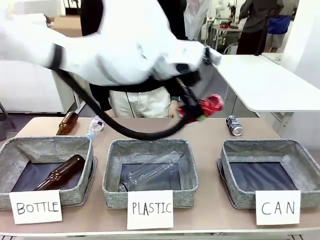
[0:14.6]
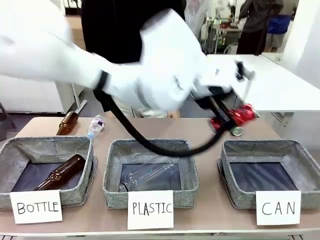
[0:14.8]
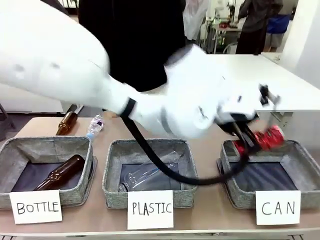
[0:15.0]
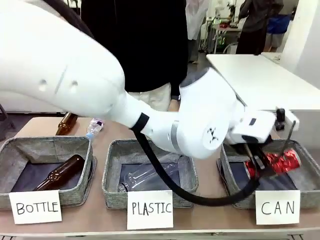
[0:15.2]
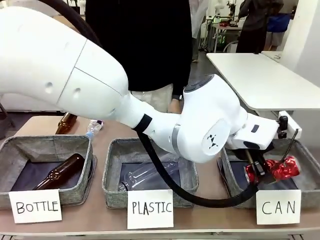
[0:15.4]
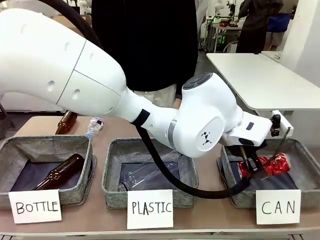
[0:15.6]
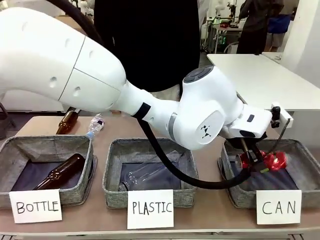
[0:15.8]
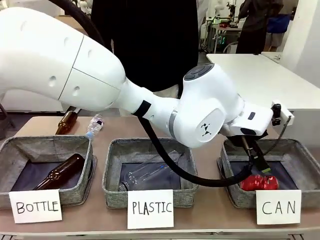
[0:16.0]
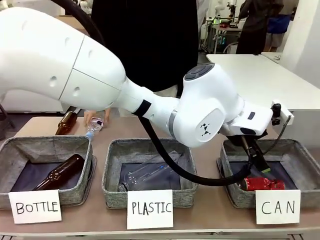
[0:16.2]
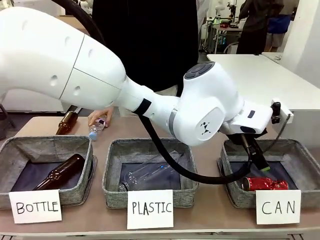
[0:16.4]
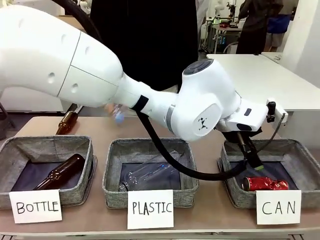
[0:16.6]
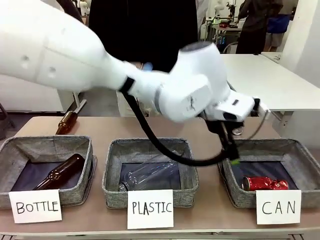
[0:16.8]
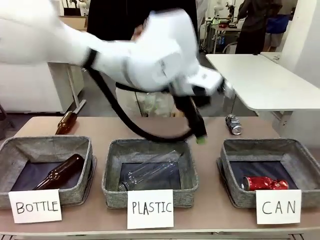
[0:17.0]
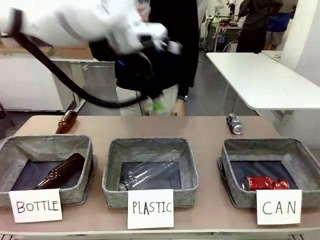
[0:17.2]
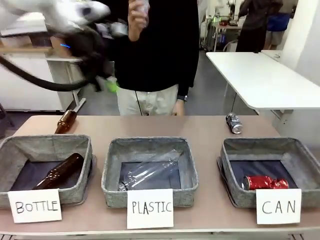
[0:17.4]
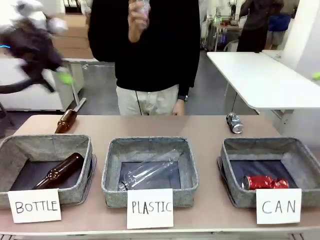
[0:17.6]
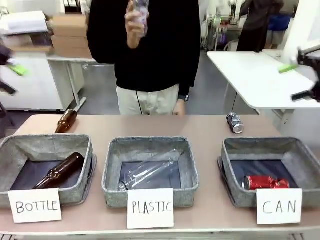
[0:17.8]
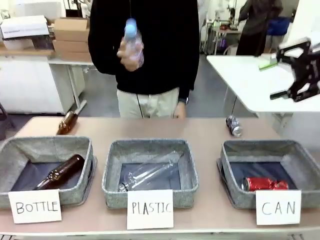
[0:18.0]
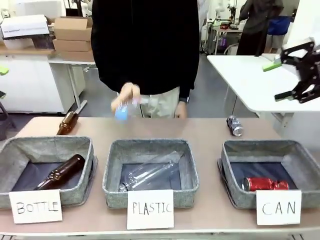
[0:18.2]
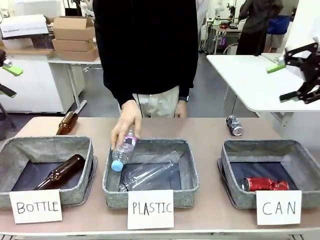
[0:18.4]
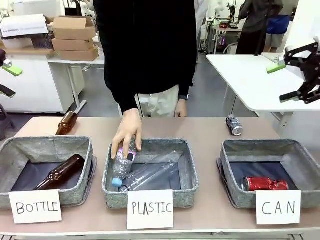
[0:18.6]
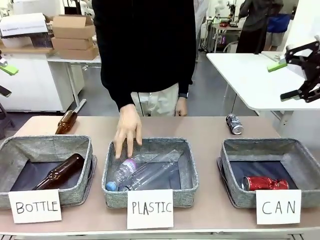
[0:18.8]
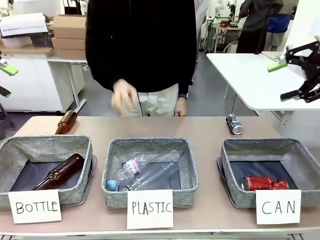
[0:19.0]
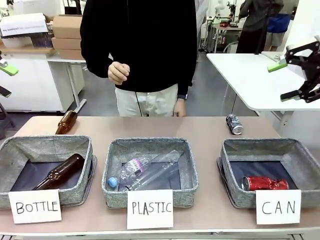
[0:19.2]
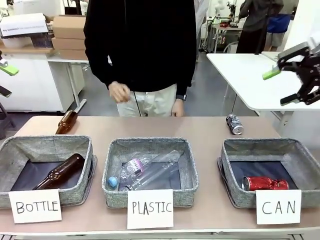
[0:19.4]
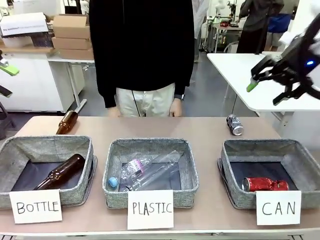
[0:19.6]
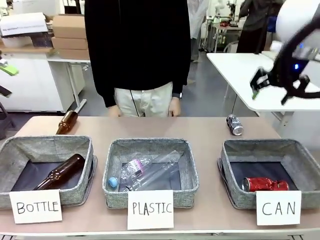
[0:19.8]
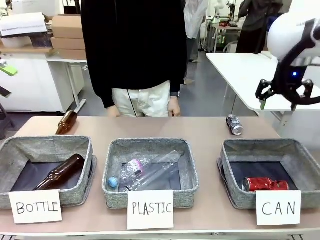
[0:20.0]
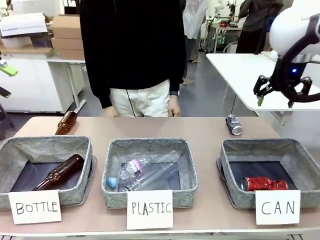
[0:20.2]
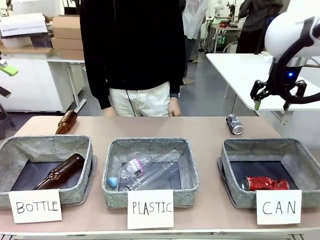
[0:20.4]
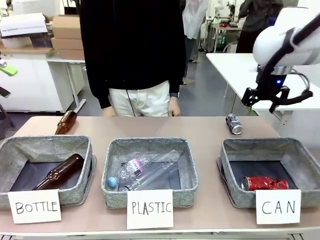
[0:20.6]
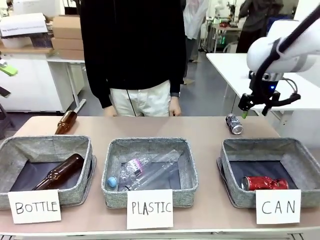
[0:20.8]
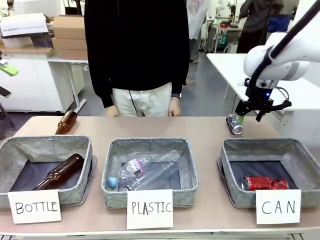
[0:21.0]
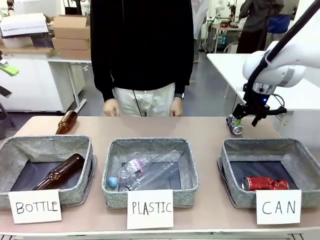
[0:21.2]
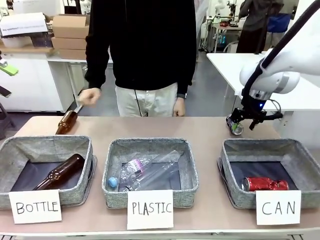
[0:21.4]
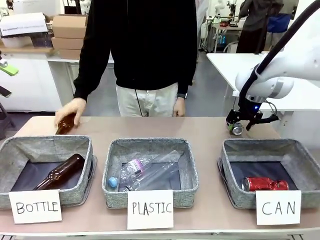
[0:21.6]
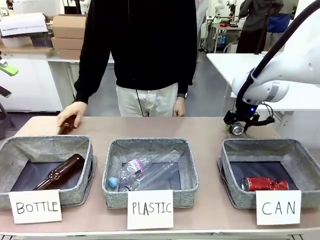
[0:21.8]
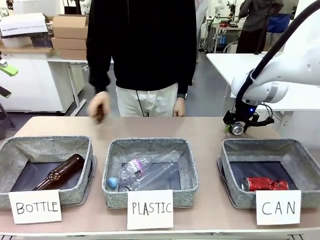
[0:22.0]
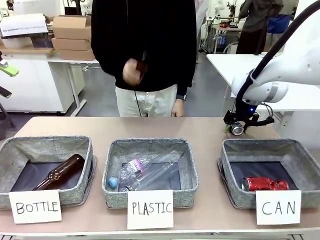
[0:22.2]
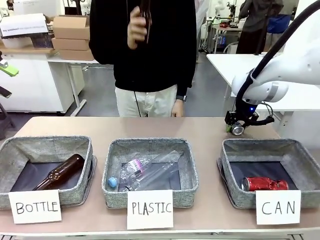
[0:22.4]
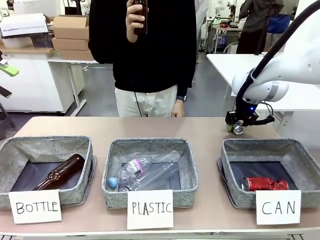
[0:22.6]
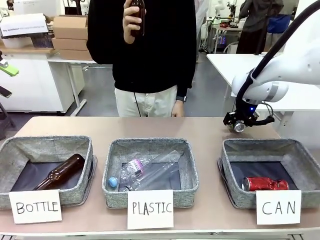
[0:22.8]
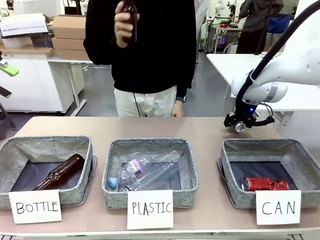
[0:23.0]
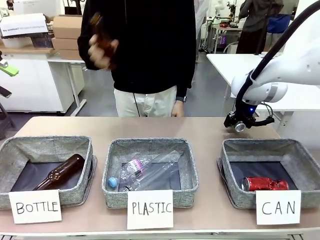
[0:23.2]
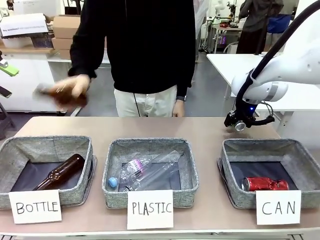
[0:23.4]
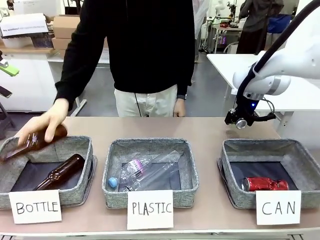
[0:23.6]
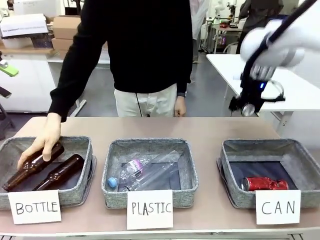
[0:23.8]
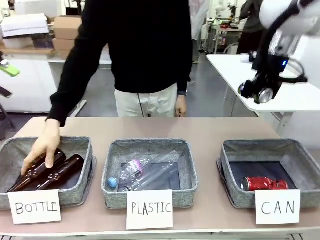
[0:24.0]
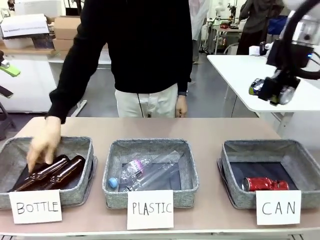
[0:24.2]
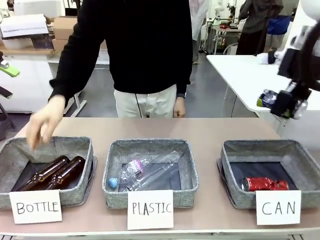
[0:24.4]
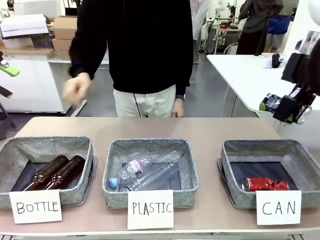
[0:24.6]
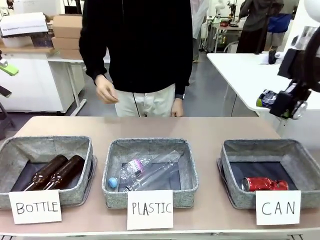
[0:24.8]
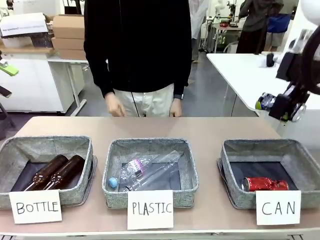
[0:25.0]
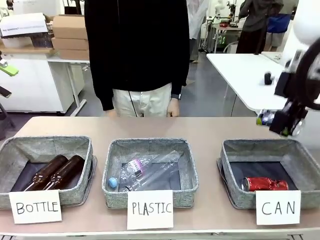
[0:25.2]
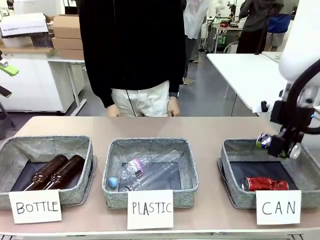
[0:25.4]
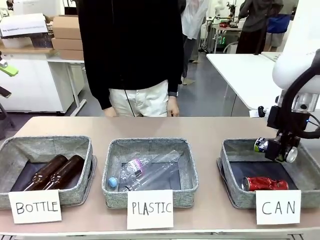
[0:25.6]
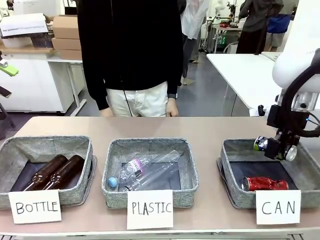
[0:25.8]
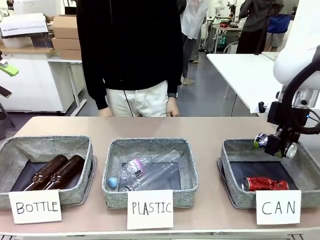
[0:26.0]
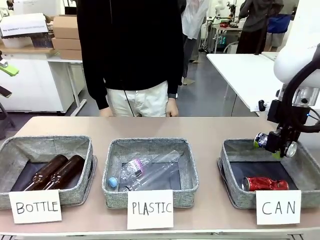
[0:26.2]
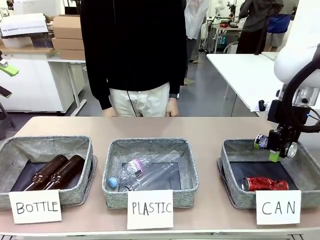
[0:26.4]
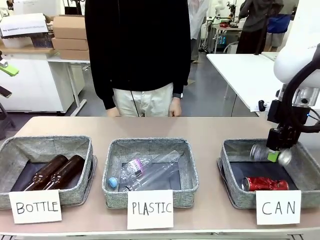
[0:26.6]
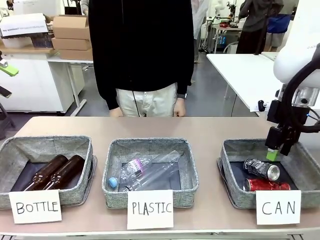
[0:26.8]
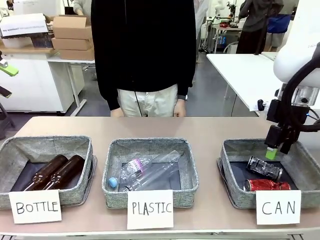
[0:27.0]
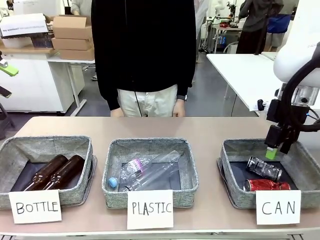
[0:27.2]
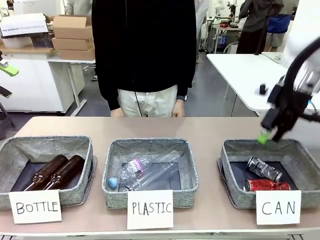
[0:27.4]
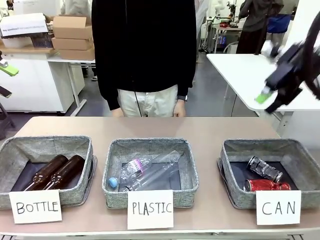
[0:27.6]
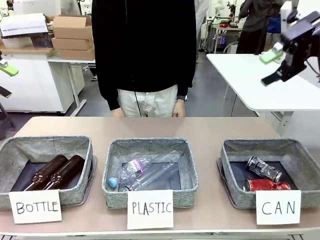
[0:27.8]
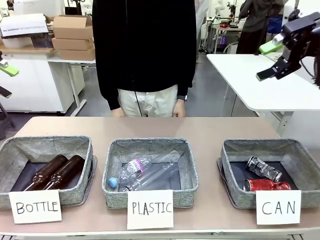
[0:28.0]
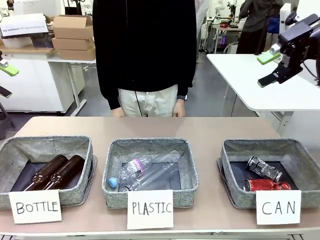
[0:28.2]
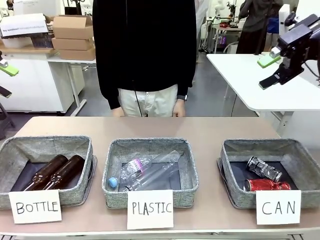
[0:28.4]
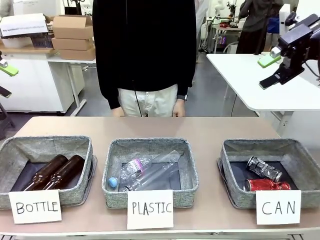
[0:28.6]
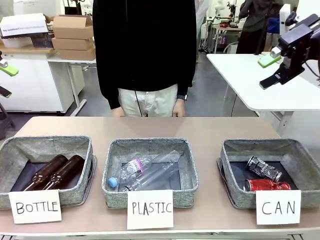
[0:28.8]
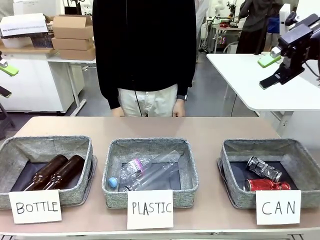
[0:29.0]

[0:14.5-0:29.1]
Task: Sort the can waste into the basket.
Robot: Pick up the can waste from the table and place it in the right Fabric basket.
Person: The human picks up one piece of trash that is not a can and places the trash into the appropriate organizing basket.
